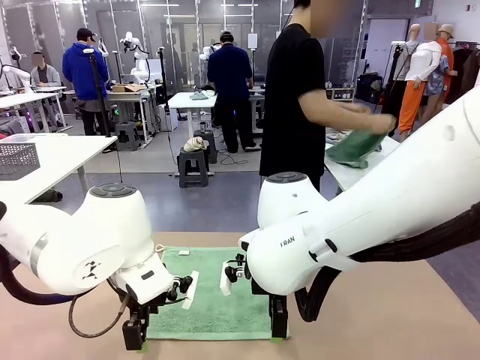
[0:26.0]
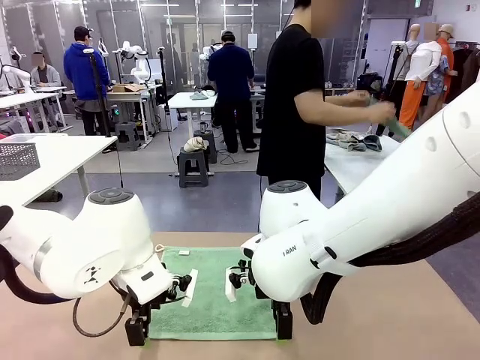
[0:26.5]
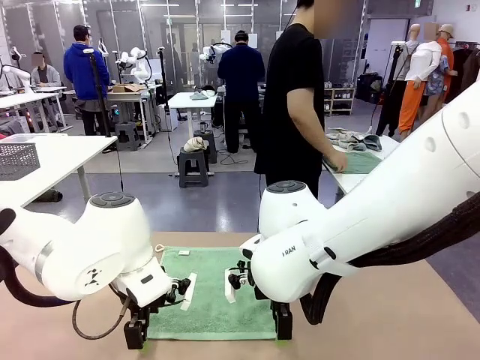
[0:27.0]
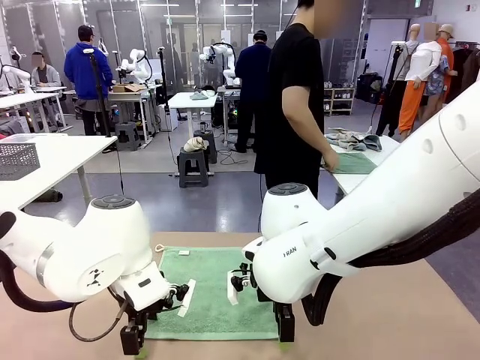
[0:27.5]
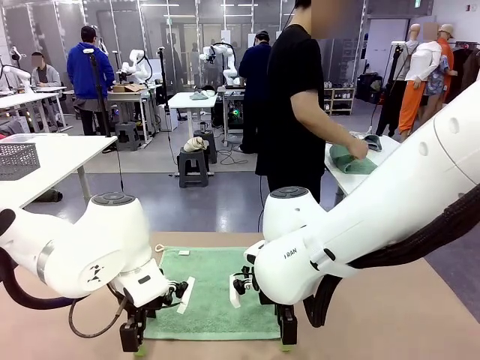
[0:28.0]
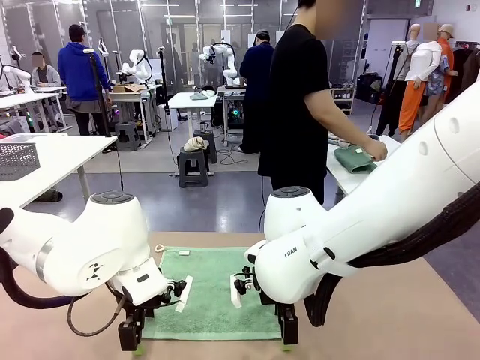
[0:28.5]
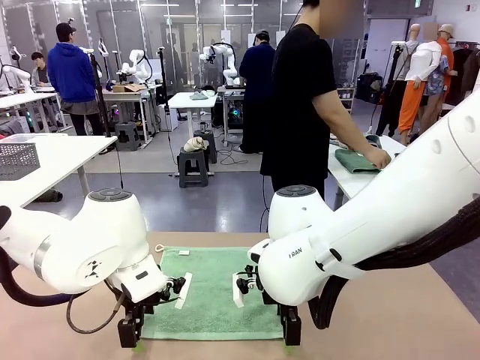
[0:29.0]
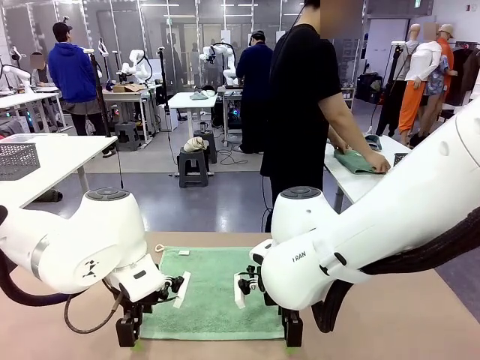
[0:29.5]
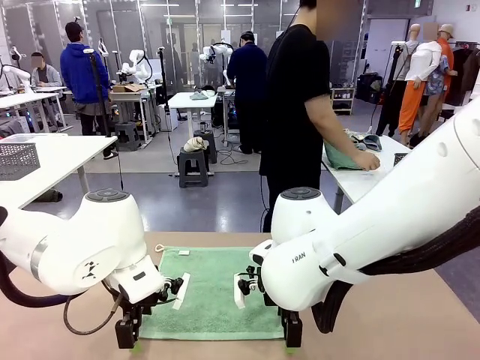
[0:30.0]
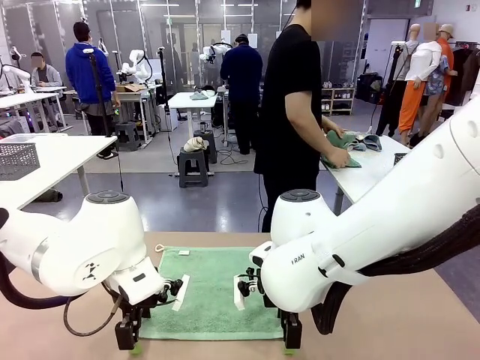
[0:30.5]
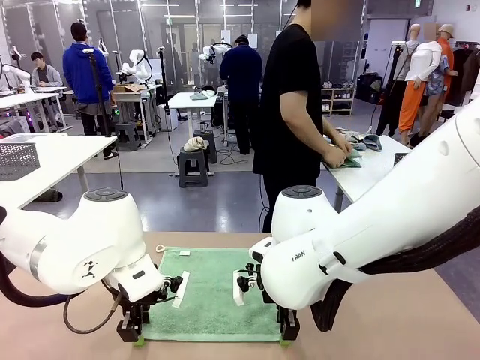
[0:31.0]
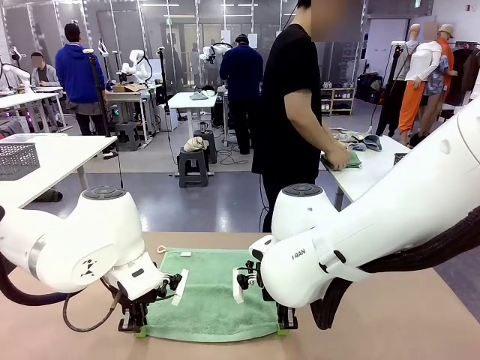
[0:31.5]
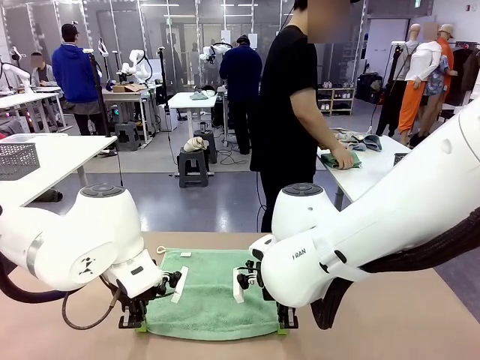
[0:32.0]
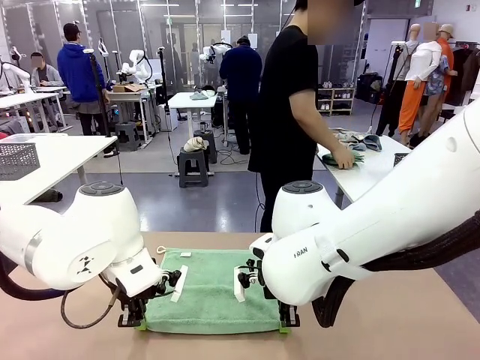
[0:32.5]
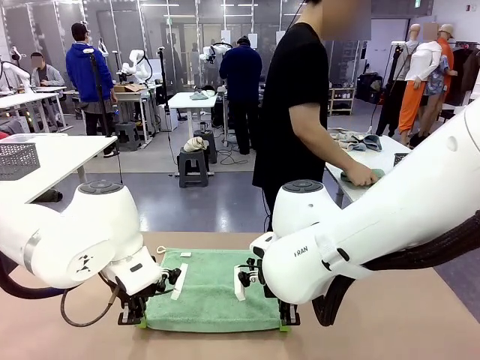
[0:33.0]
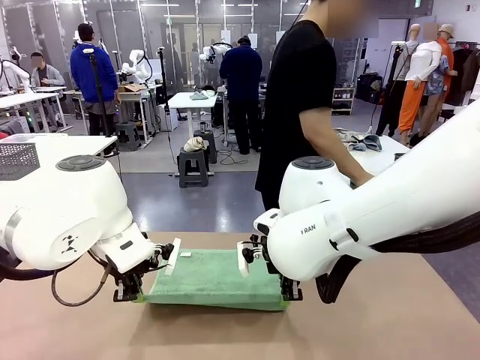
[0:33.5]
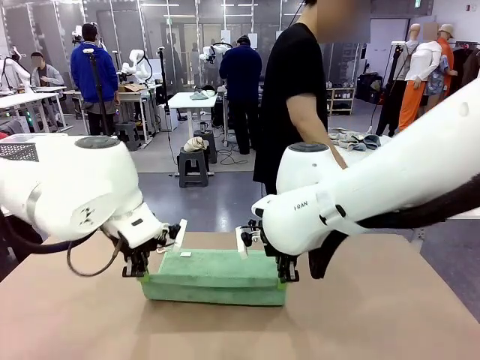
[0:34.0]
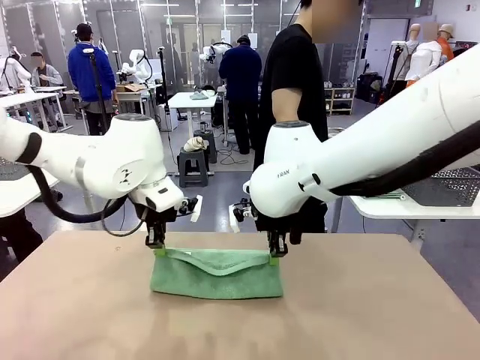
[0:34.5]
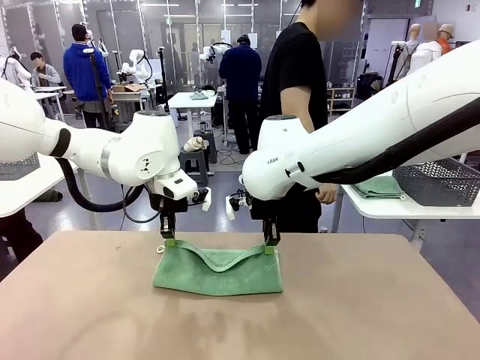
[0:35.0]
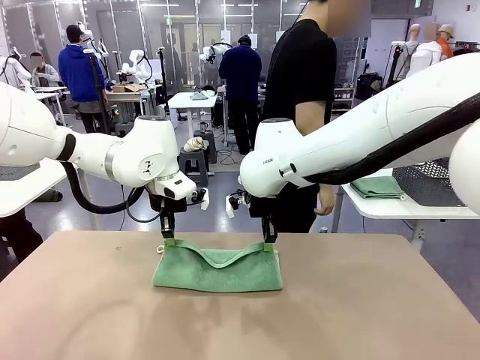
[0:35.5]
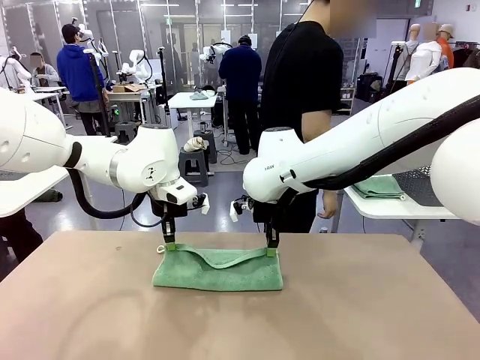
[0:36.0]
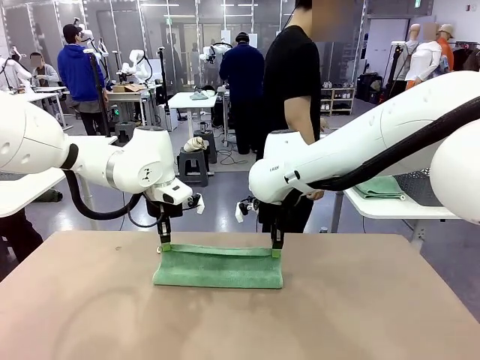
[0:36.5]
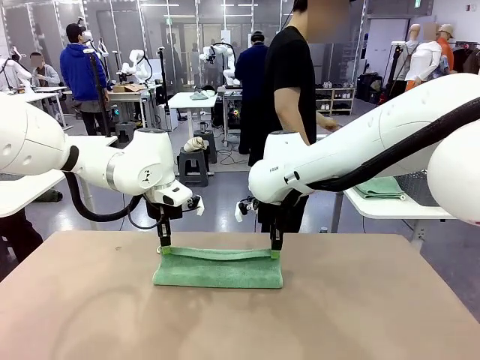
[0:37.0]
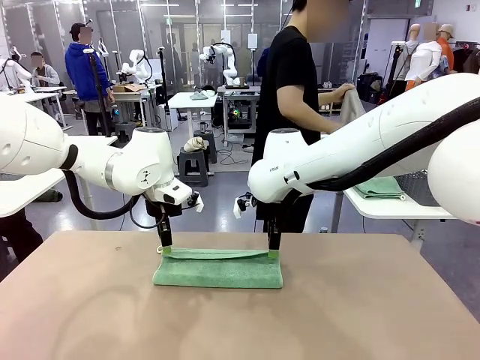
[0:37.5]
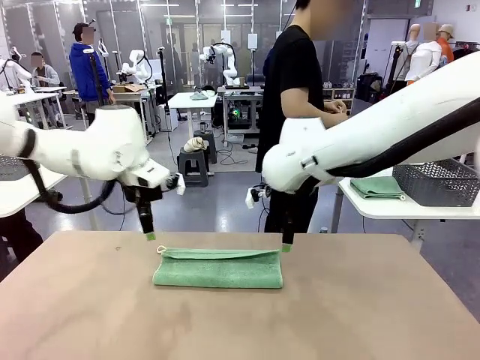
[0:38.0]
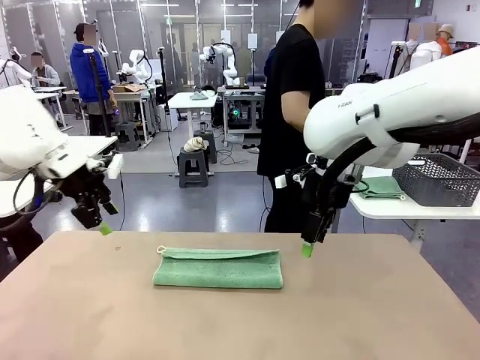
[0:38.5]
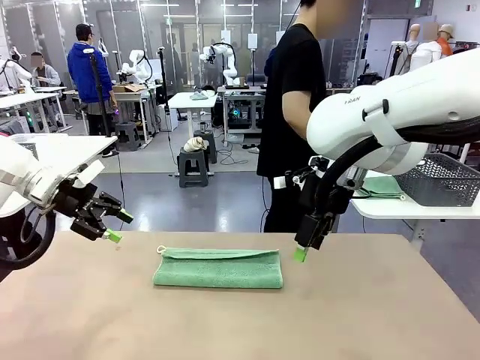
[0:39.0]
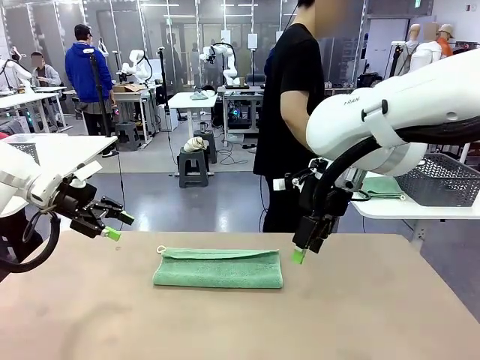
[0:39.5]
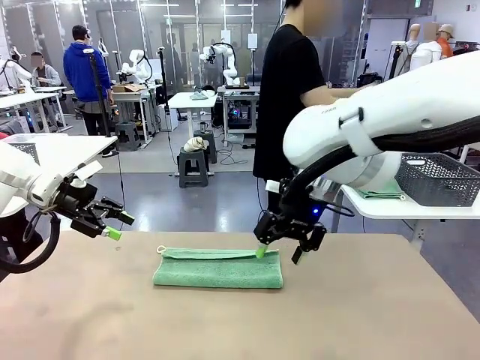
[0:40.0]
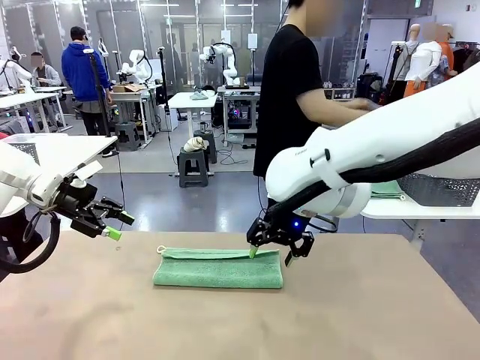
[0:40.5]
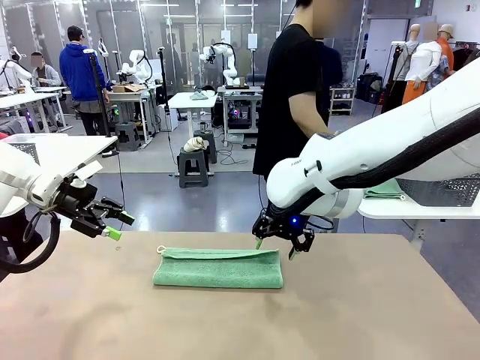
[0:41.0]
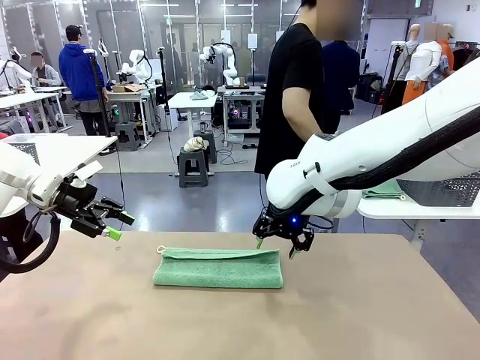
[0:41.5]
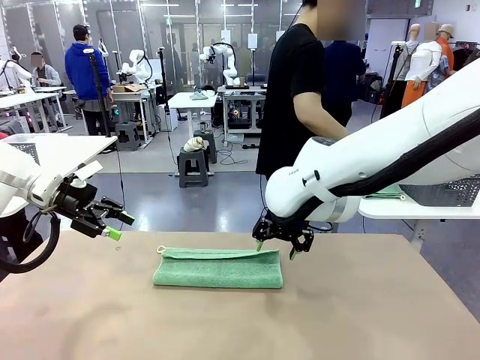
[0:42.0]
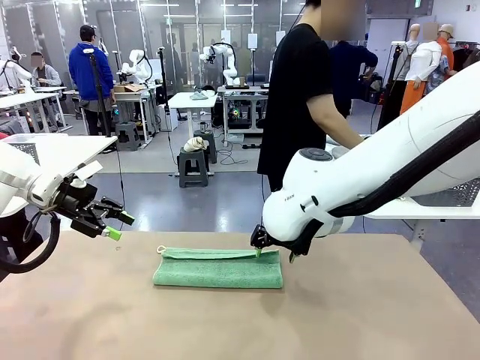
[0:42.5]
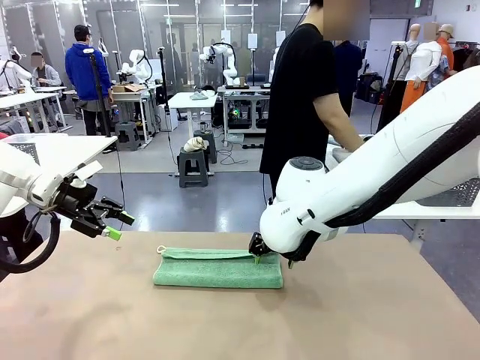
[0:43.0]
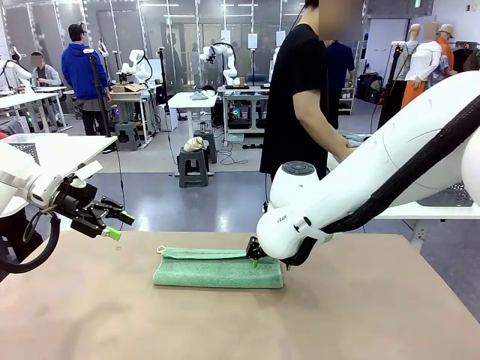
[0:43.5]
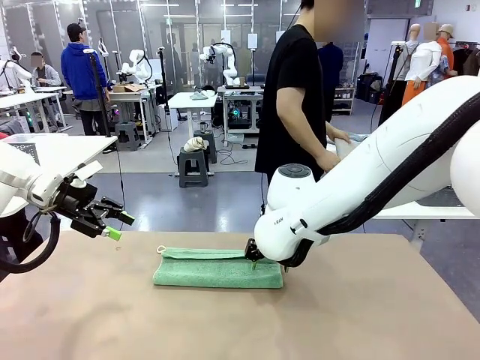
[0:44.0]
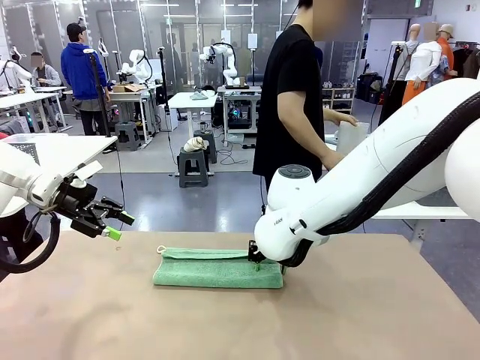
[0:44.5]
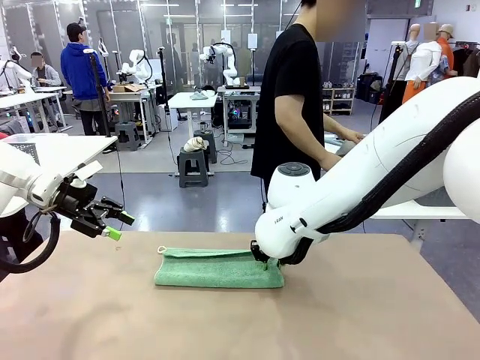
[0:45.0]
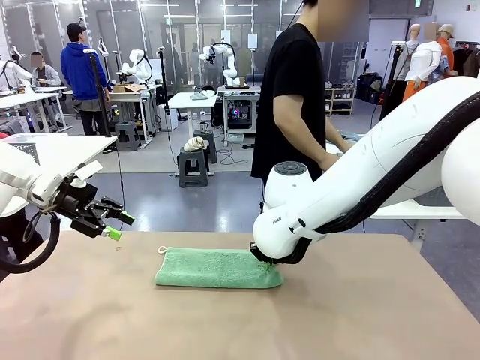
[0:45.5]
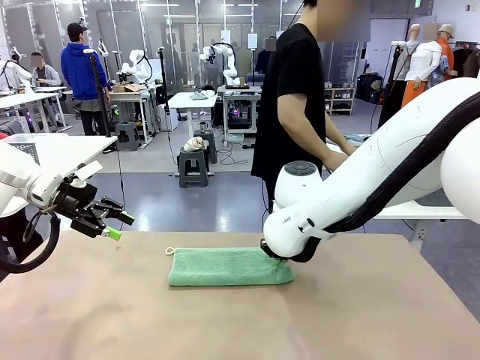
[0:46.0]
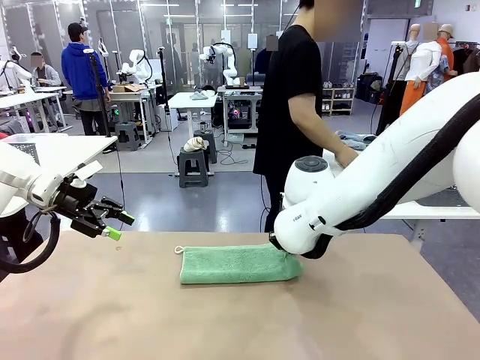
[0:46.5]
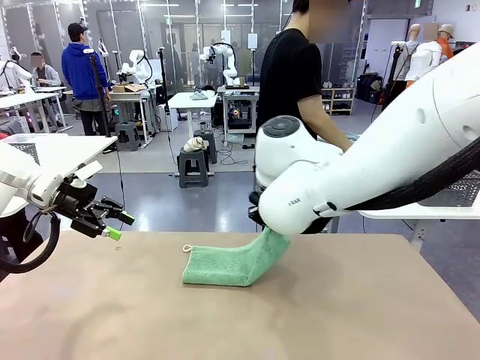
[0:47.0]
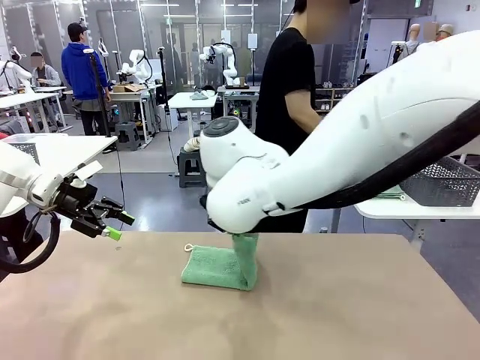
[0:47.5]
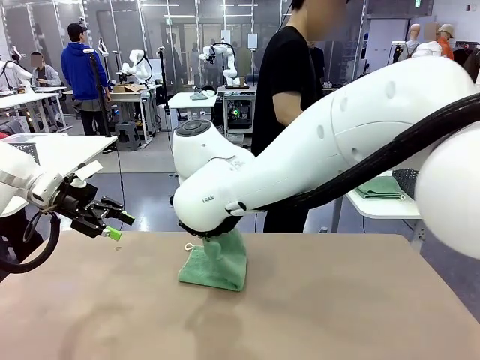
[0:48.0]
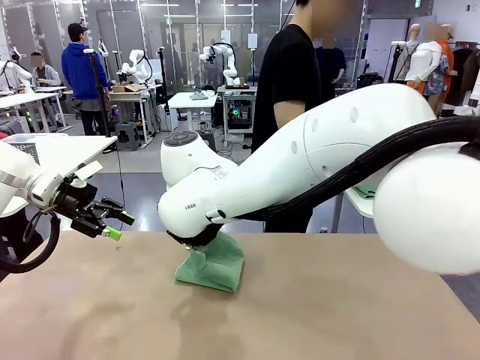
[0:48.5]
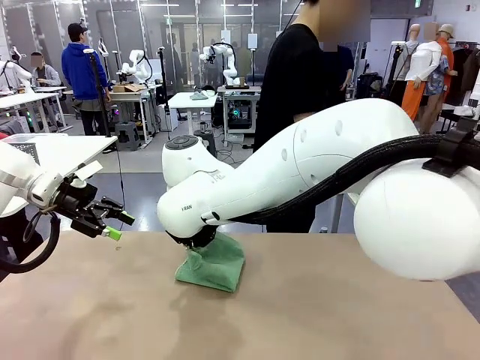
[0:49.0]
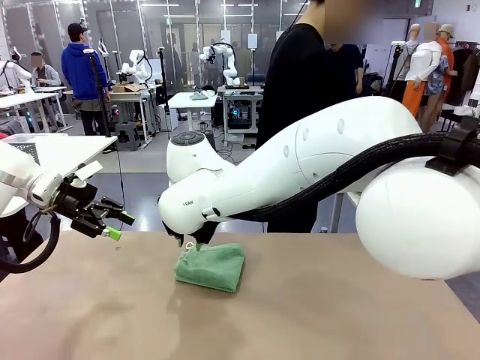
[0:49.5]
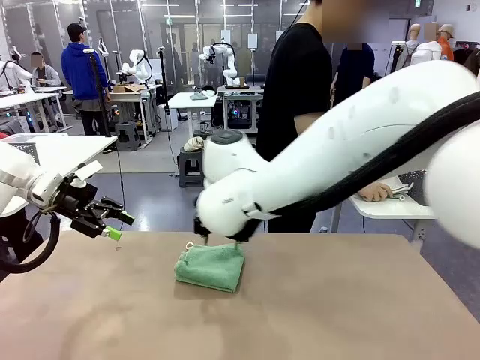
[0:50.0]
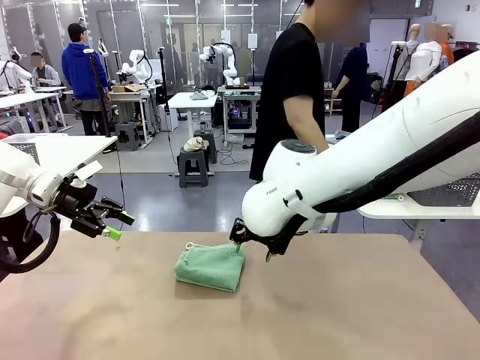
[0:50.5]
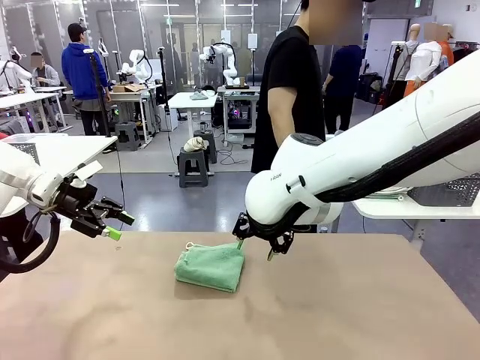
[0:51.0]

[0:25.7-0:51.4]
Task: Fold the towels and place them in the basket.
Robot: When a person lays out a Towel with hook on the table, fold it in half twice.
Person: Pick up one towel from the left side of the human table, fold it in half twice, and place it on the right side of the table. Pick up one towel from the left side of the human table, fold it in half twice, and stack it on the right side of the table.
